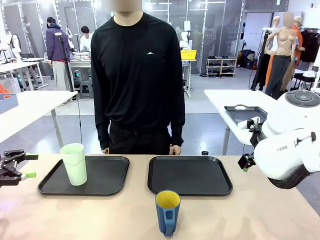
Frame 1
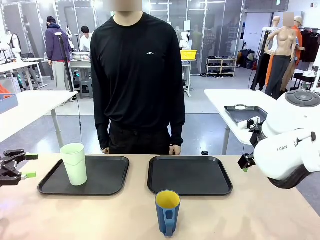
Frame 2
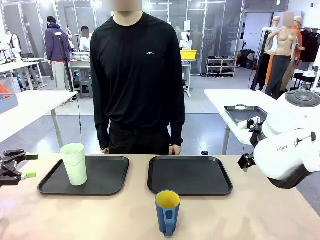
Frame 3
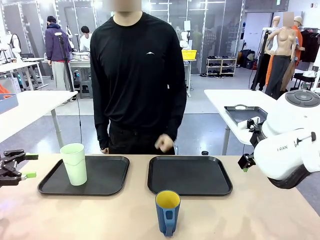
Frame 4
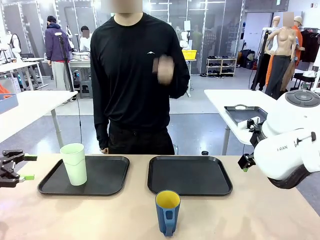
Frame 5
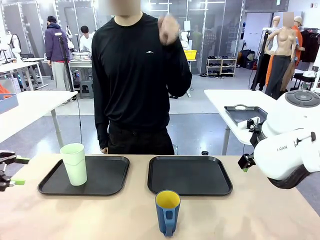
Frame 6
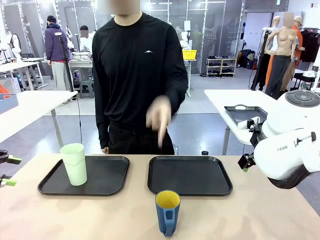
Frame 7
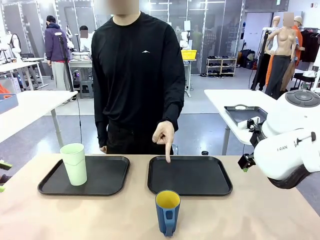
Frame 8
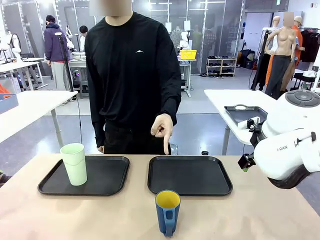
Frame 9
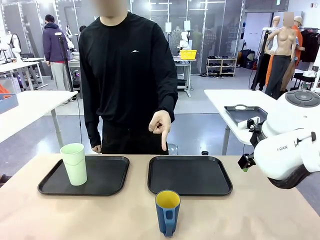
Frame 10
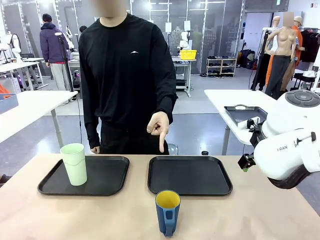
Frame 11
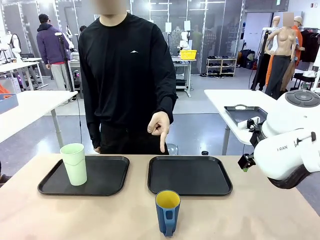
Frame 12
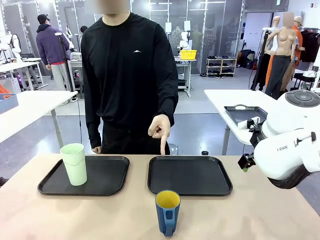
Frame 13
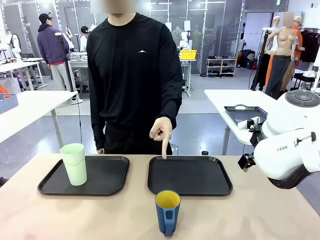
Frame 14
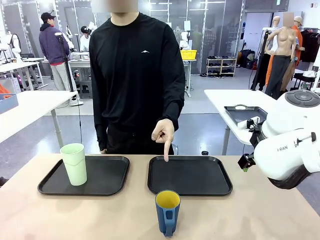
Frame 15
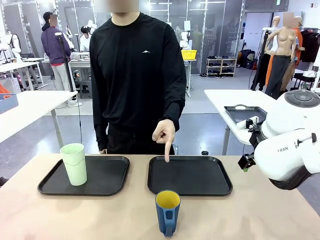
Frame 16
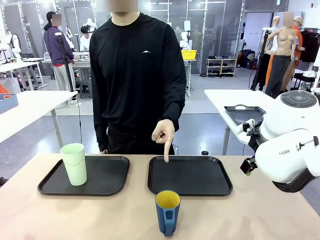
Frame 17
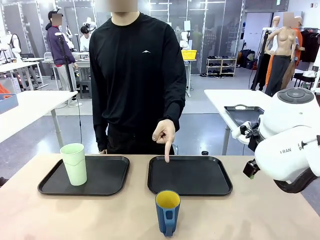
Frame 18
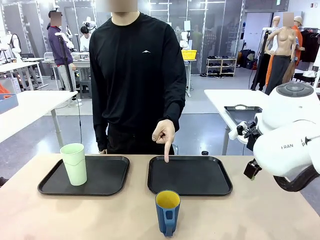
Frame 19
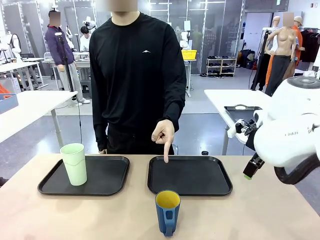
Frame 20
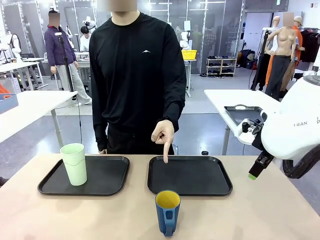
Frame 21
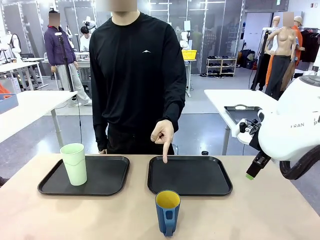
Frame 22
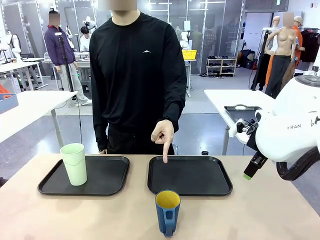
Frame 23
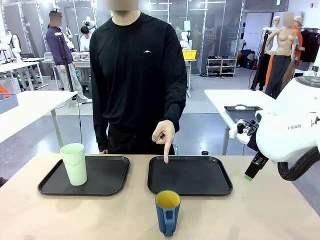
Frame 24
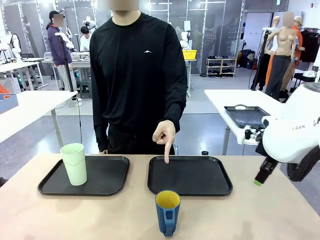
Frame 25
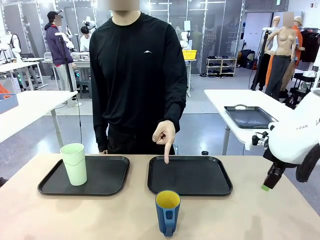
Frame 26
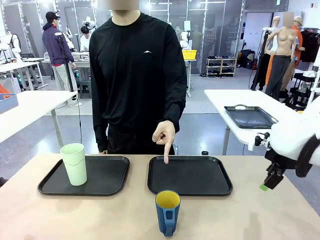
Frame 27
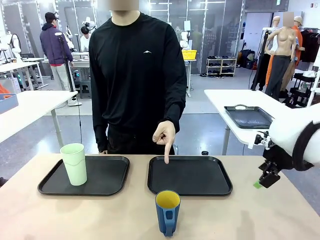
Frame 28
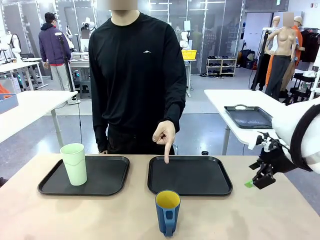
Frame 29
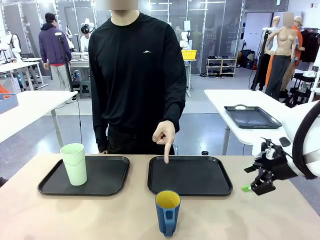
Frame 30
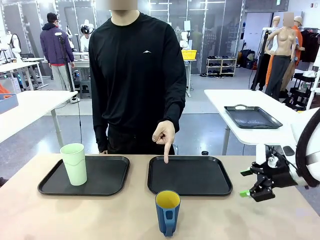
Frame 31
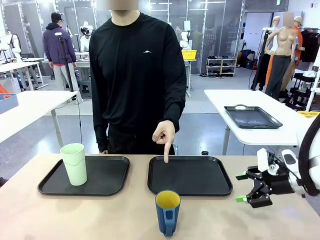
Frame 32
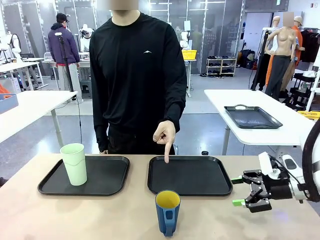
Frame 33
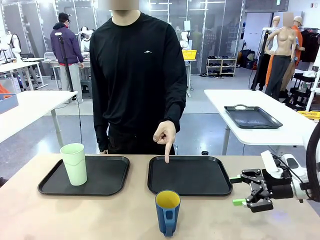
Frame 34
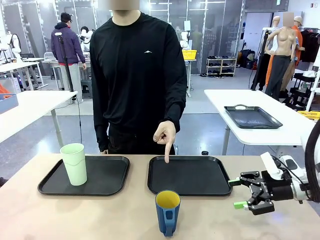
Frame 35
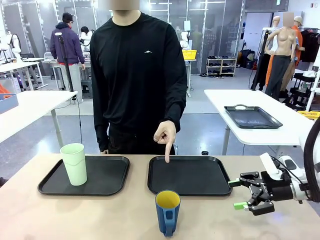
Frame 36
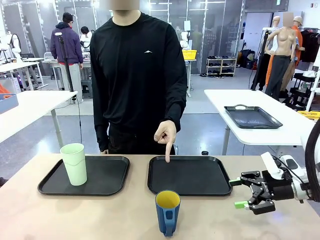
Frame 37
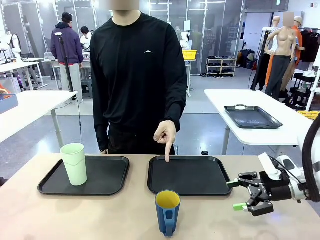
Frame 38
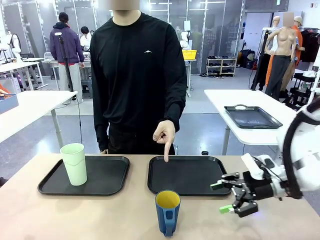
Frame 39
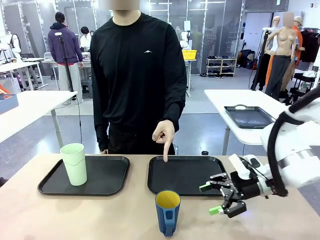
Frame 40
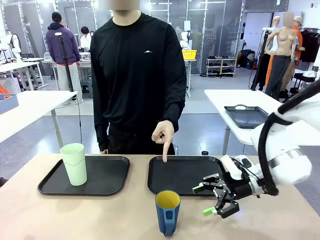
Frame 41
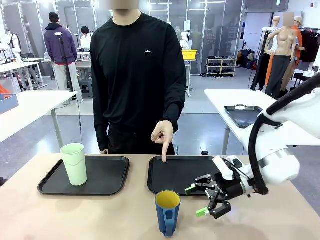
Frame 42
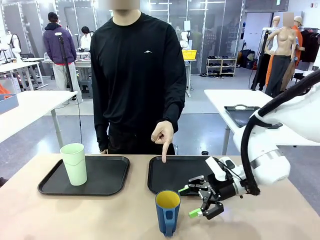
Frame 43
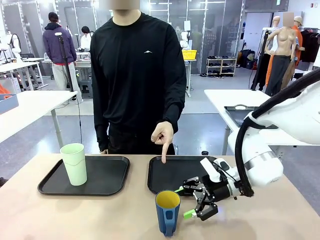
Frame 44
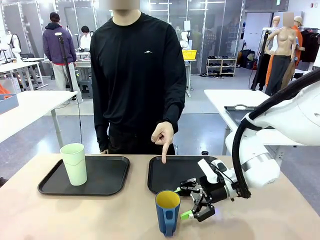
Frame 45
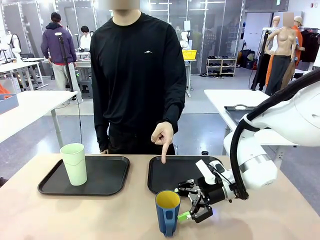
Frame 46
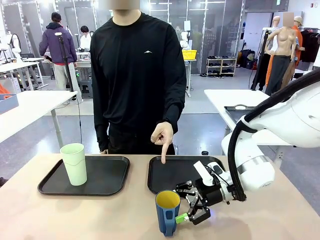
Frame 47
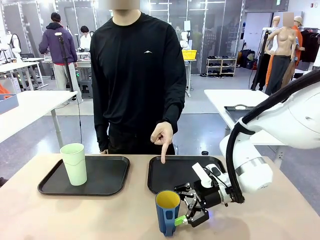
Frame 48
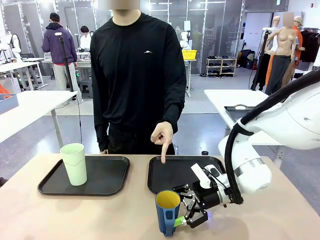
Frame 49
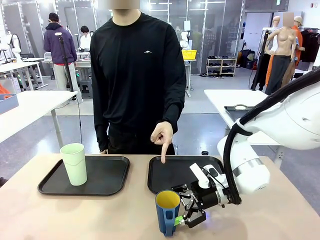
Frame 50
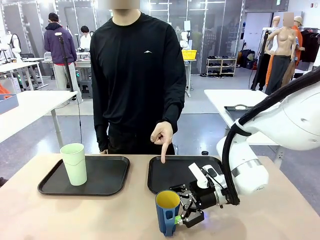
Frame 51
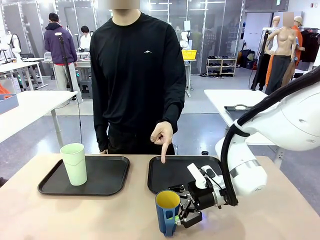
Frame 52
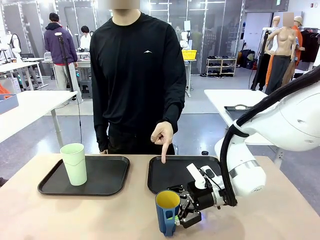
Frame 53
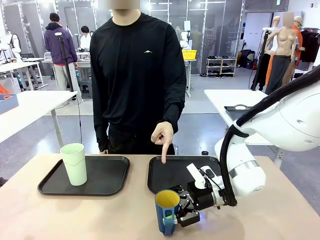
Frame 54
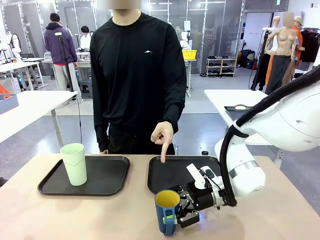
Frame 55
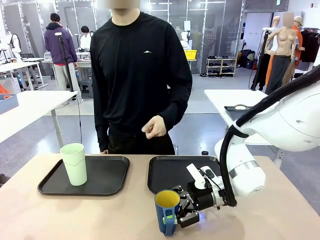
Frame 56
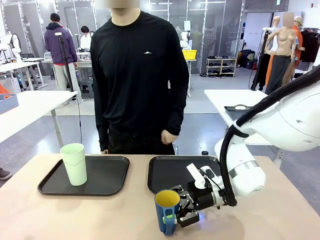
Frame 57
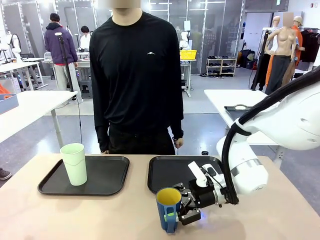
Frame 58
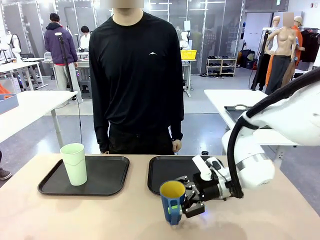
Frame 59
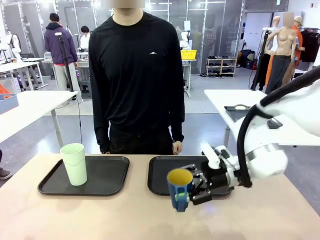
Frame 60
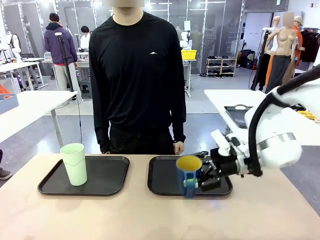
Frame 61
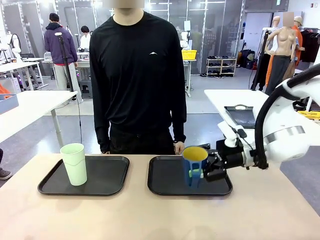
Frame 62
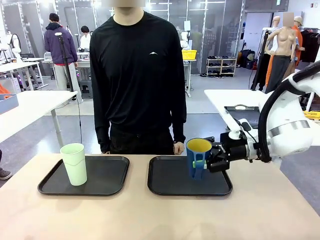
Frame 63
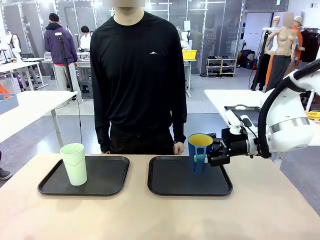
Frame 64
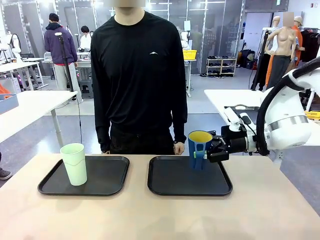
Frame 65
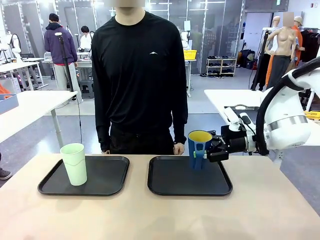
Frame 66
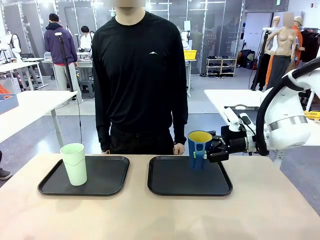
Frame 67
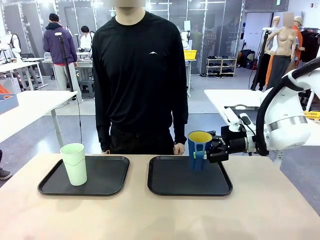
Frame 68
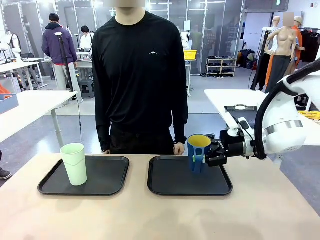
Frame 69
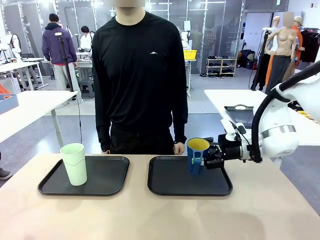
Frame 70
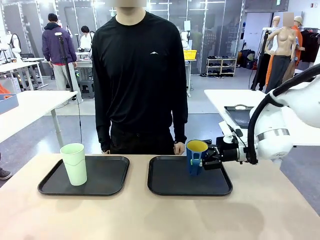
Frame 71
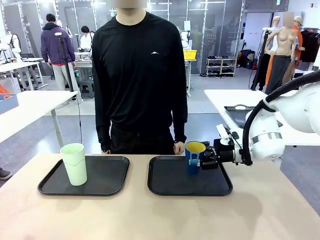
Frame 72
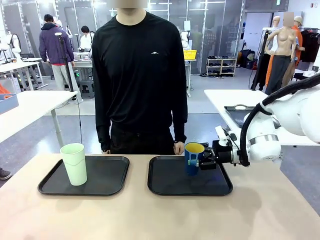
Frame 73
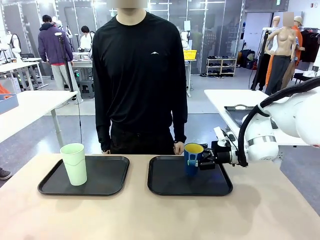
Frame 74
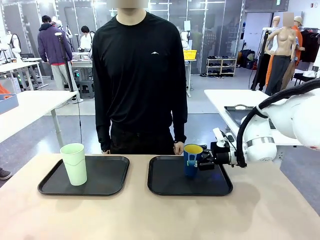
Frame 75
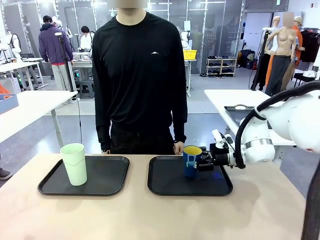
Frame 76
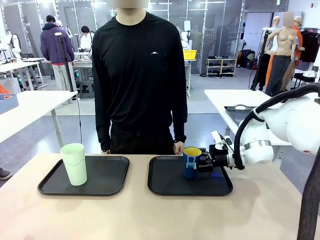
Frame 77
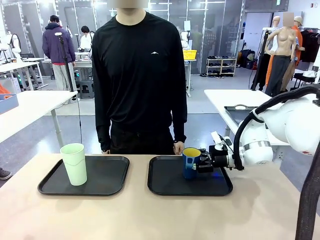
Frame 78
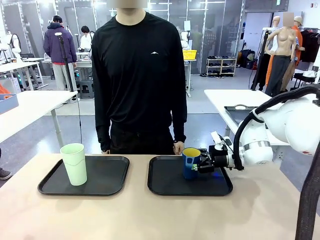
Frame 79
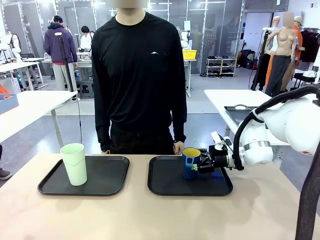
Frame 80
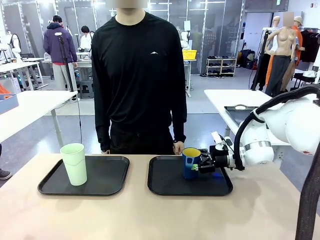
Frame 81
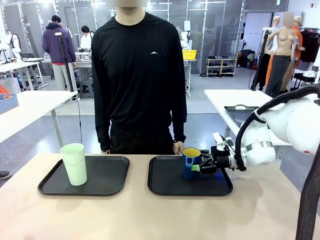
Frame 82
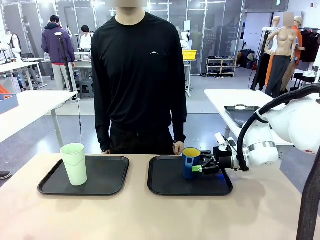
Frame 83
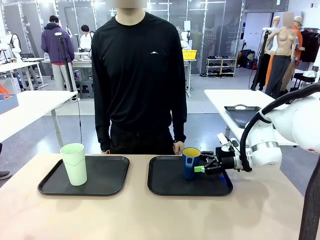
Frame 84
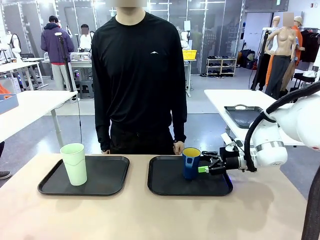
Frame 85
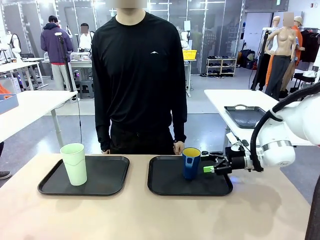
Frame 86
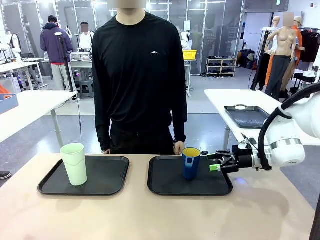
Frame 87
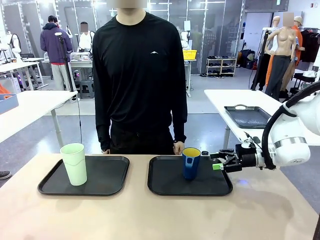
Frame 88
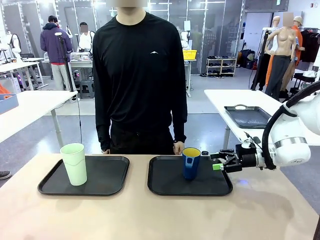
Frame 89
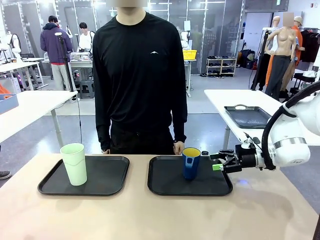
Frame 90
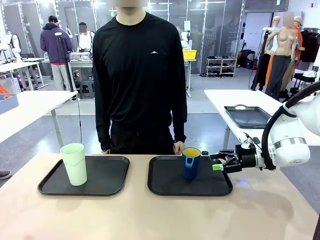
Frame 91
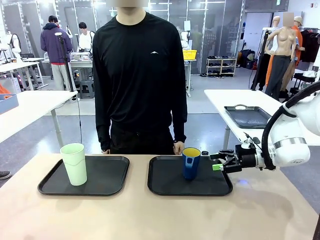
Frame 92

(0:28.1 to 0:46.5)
Task: Sort and store the cups by type.
Robot: Pick up the Handle plastic cup and place it into the empty Flat Tray.
Person: Points to the cup with a handle.
